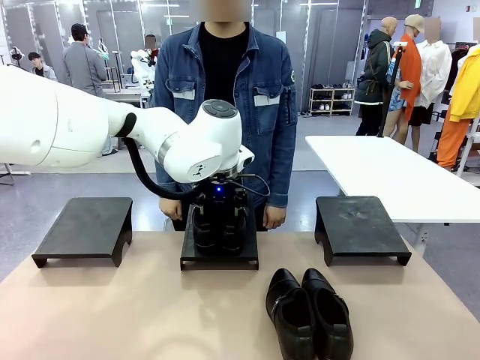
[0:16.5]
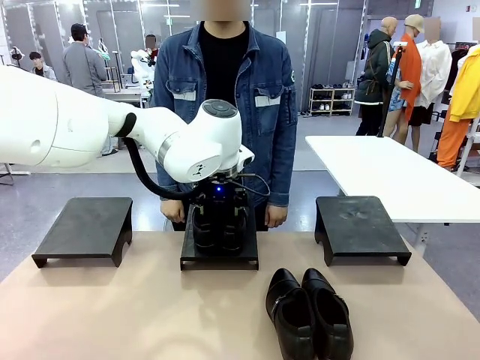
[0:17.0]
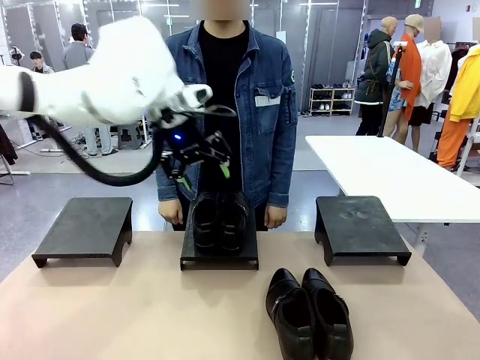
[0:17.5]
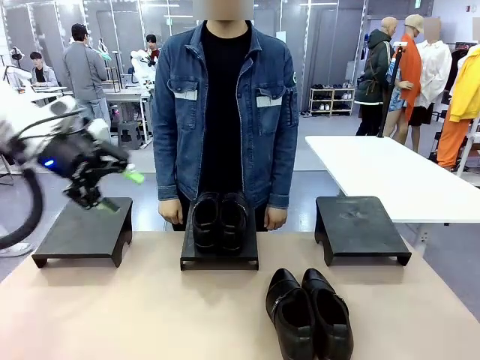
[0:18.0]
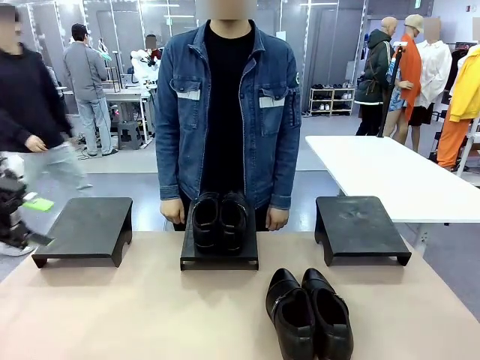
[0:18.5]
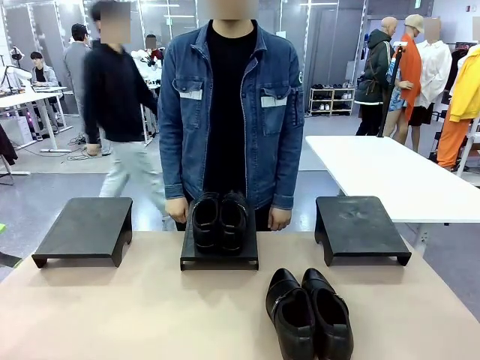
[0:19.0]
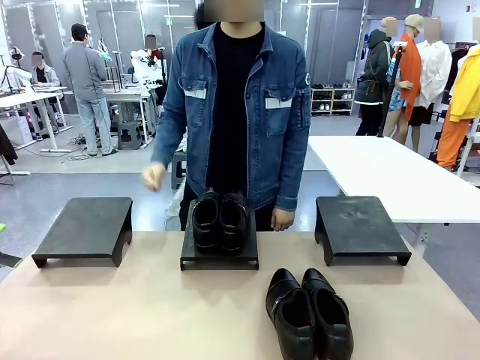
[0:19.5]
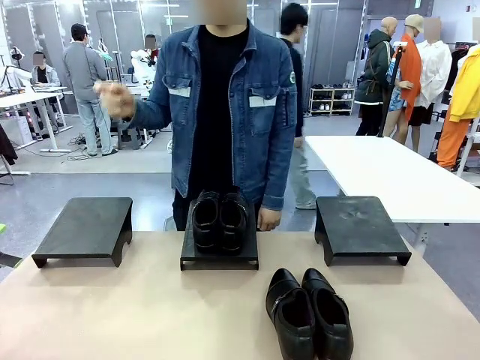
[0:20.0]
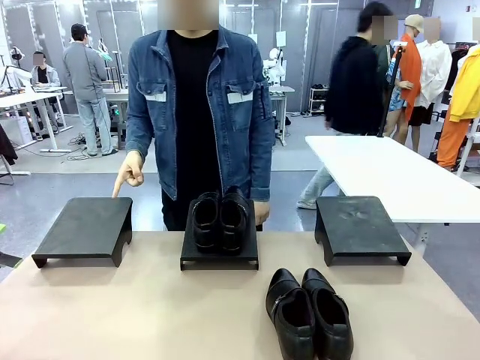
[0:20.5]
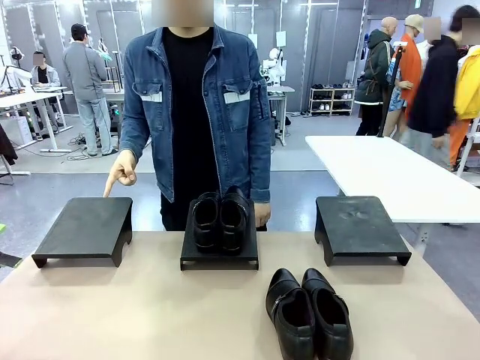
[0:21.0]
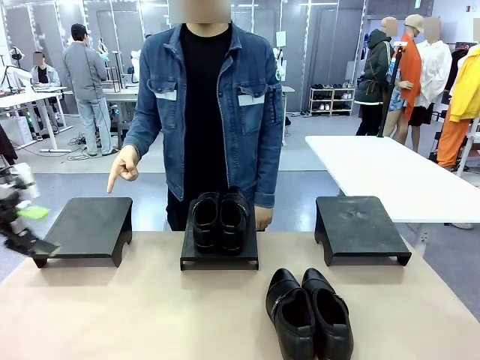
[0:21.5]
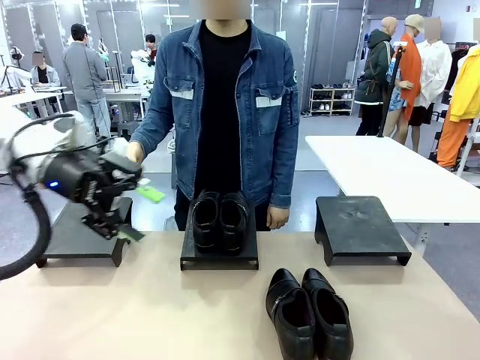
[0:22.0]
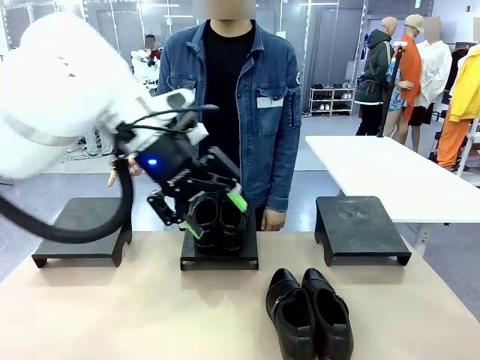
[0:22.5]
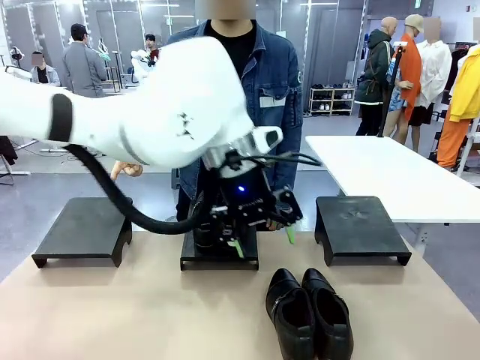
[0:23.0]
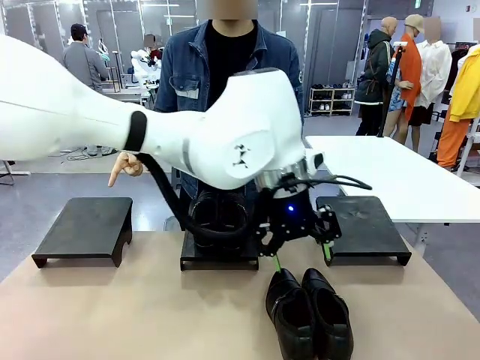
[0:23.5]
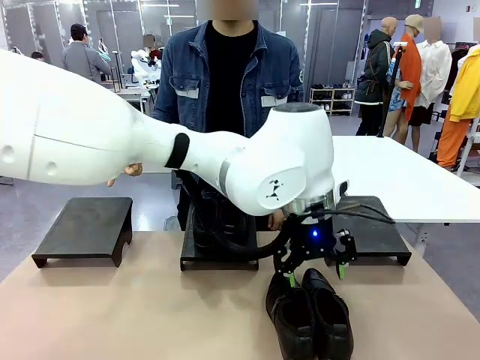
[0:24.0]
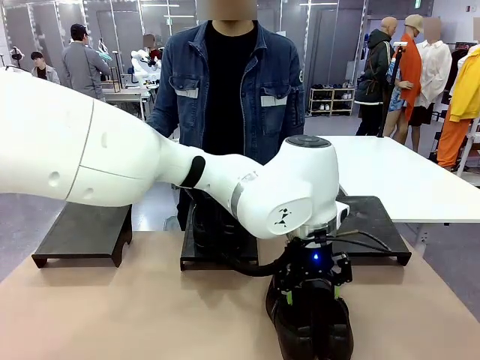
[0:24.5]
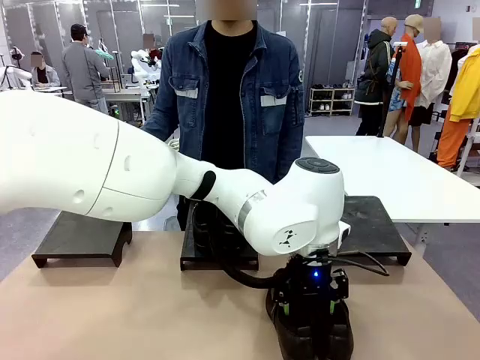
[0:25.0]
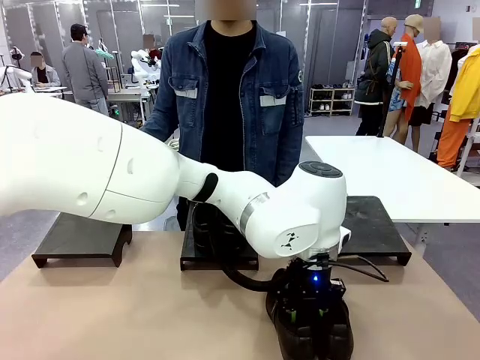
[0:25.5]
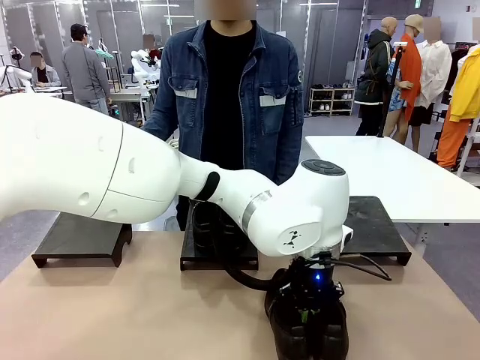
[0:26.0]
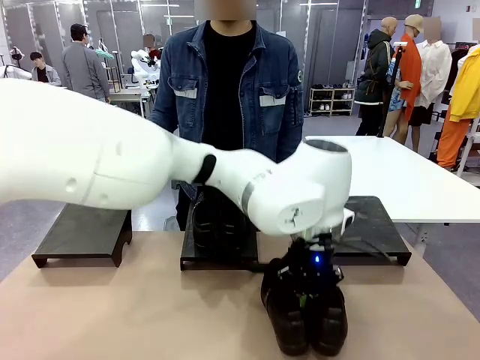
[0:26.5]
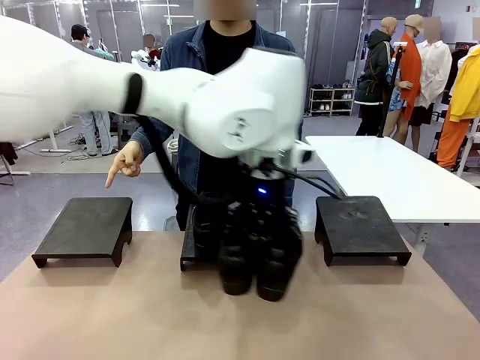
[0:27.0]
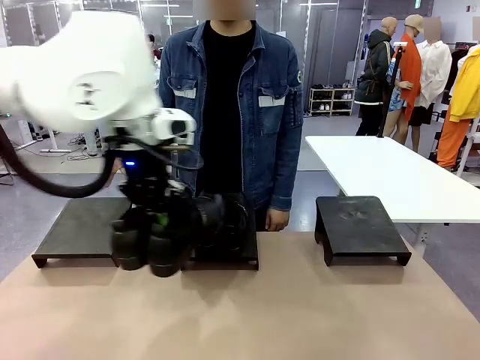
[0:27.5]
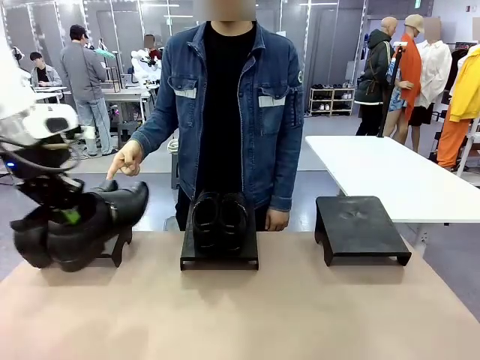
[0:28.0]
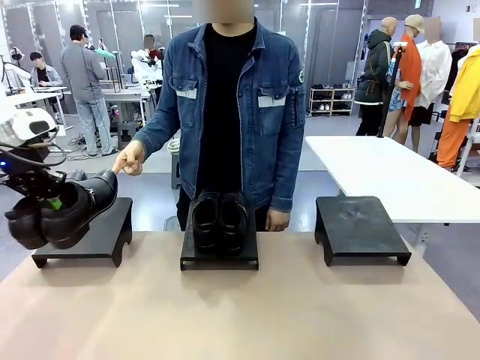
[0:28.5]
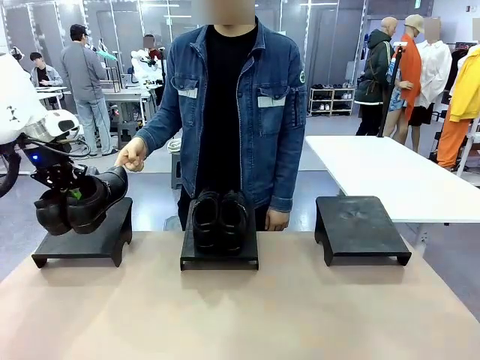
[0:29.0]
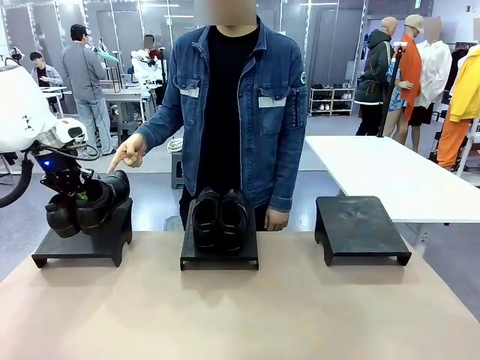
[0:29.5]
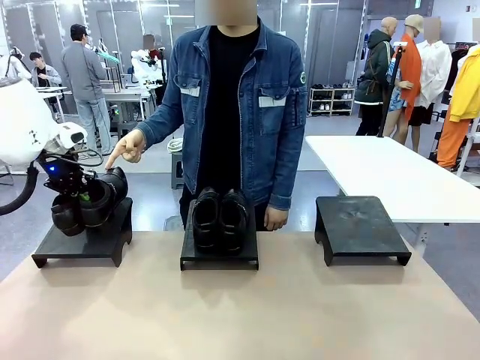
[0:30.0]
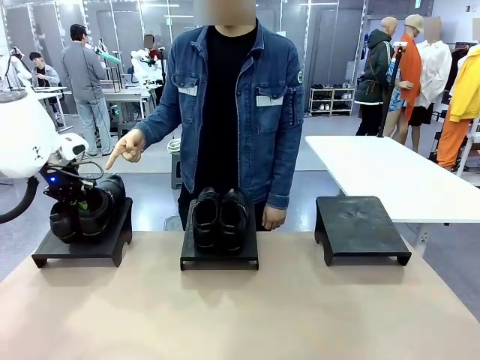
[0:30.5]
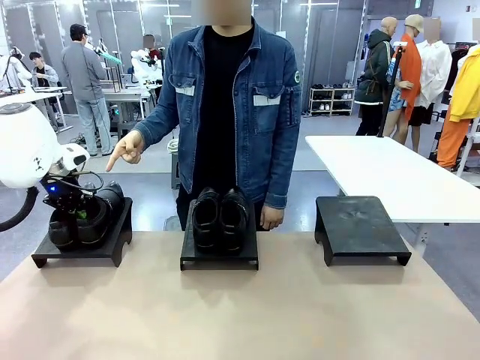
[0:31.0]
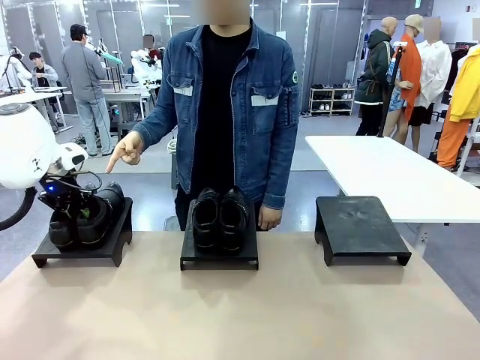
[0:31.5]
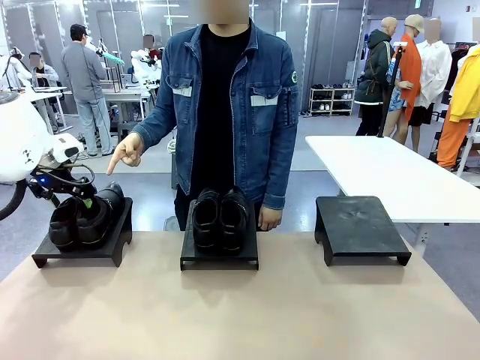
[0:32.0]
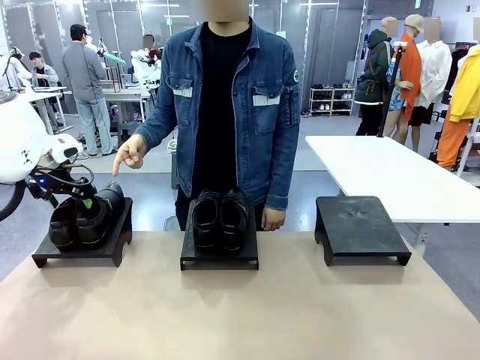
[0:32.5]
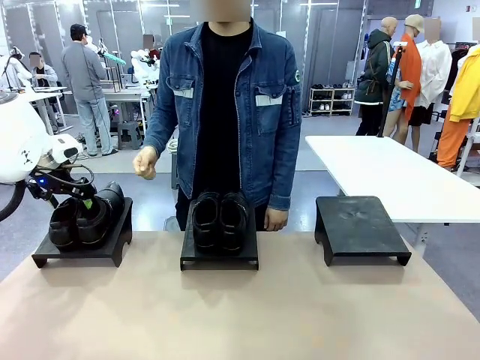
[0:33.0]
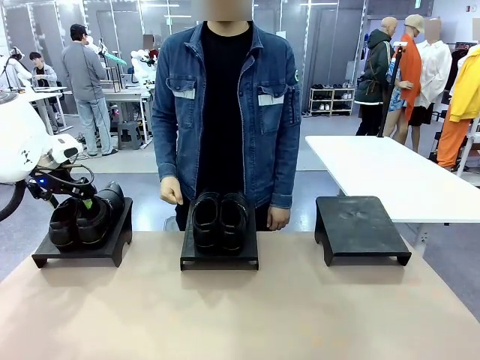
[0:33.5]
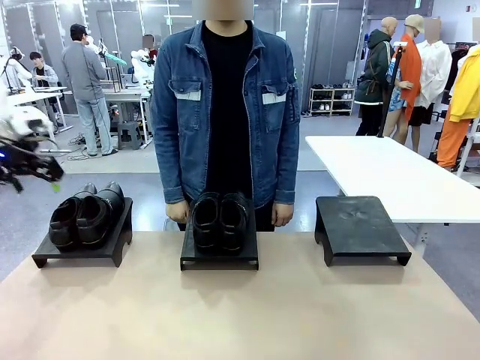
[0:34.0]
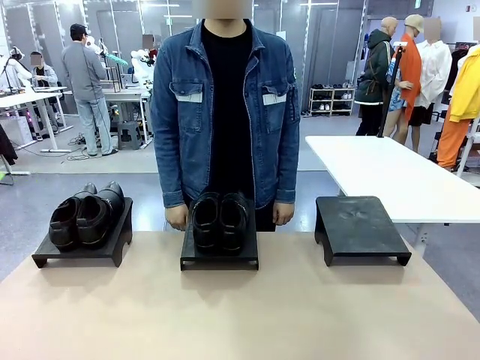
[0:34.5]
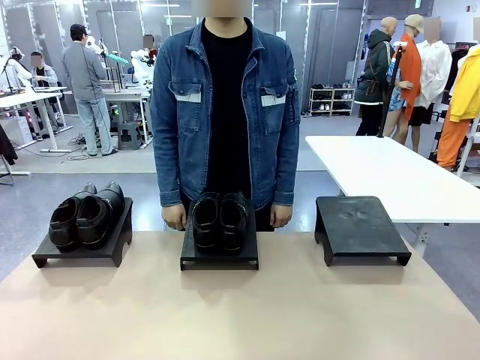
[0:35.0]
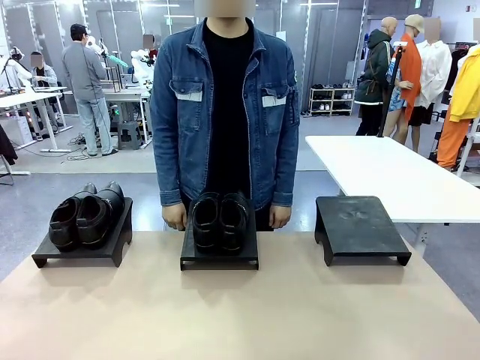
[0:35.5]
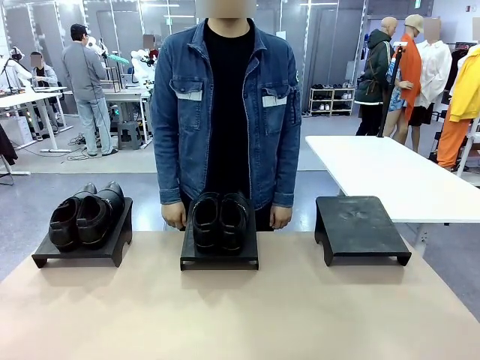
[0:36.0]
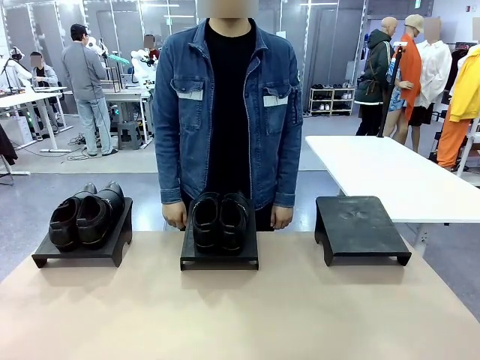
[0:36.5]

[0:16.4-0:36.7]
Task: Place the shoes on the stand as instructed by the person.
Robot: Pick up another pair of Shoes and place it on the Shoes Stand indicated by the person.
Person: Point to one Shoes Stand.
